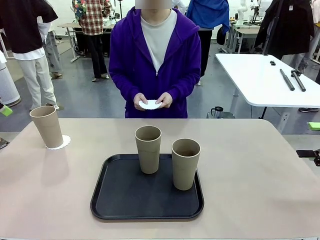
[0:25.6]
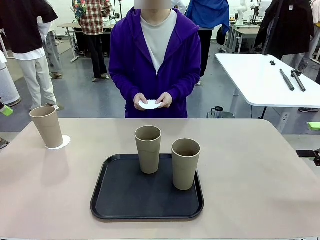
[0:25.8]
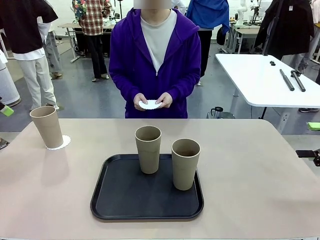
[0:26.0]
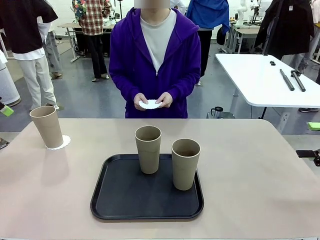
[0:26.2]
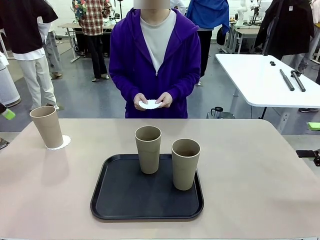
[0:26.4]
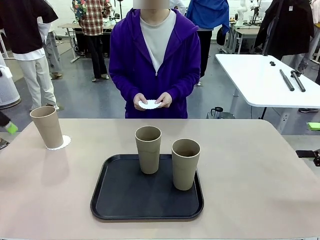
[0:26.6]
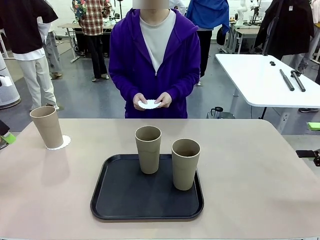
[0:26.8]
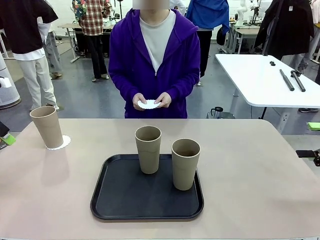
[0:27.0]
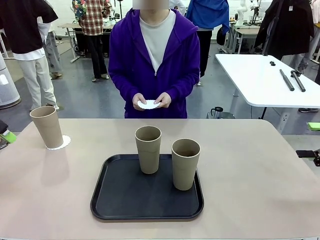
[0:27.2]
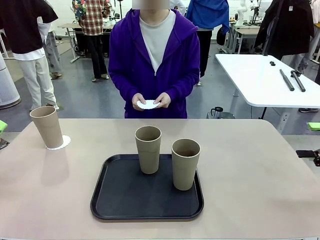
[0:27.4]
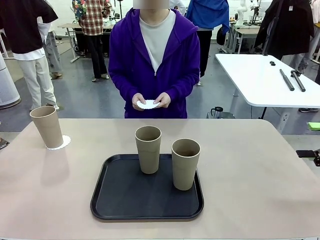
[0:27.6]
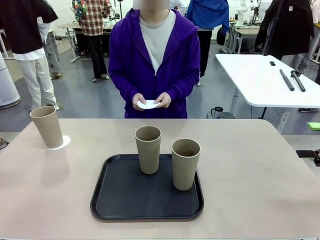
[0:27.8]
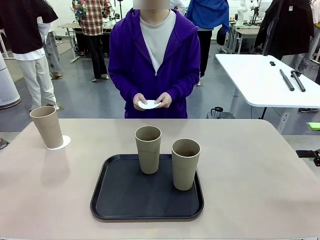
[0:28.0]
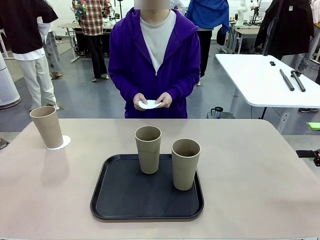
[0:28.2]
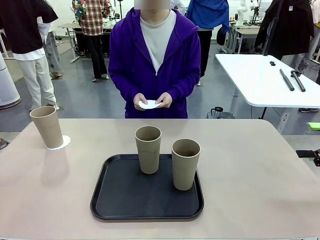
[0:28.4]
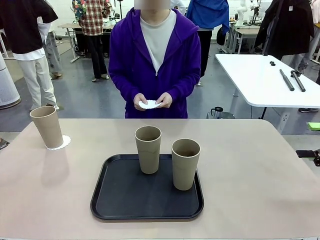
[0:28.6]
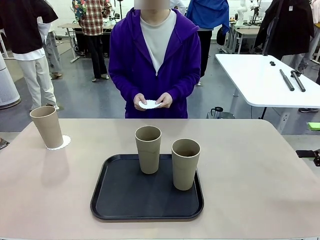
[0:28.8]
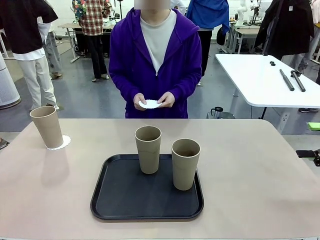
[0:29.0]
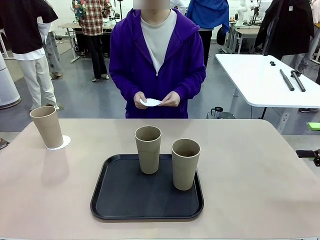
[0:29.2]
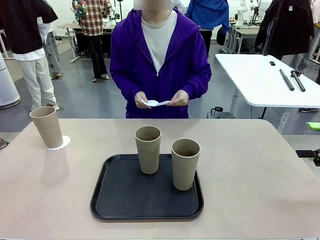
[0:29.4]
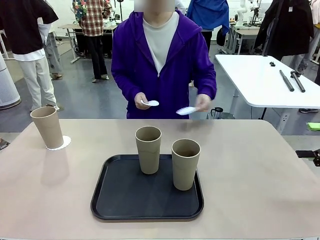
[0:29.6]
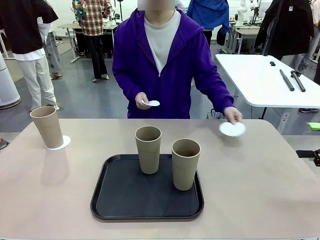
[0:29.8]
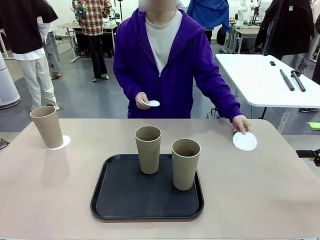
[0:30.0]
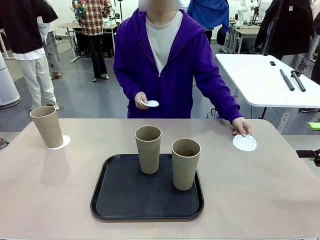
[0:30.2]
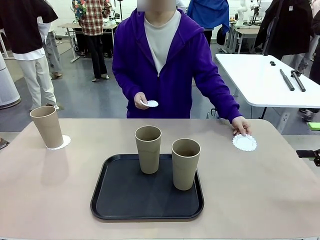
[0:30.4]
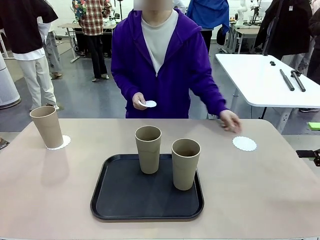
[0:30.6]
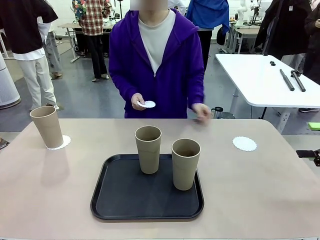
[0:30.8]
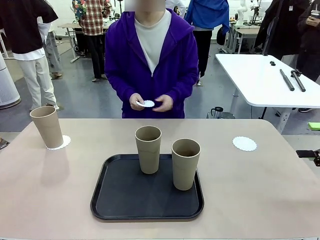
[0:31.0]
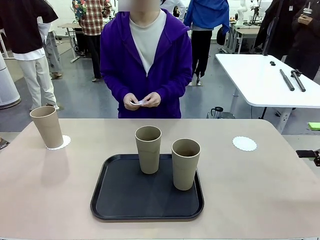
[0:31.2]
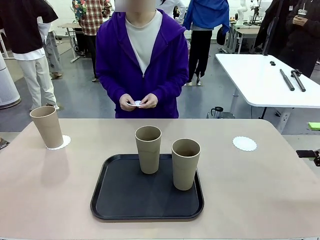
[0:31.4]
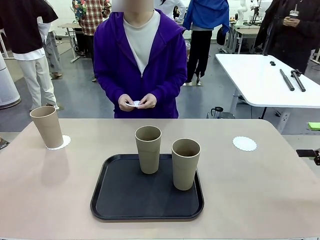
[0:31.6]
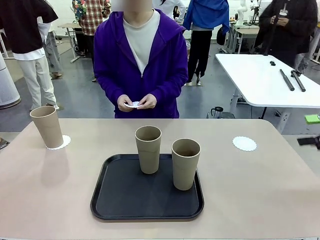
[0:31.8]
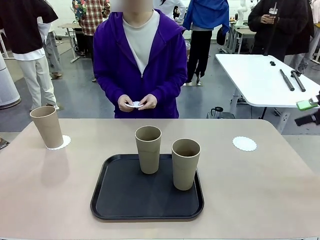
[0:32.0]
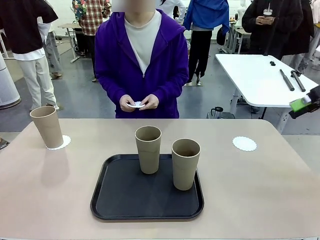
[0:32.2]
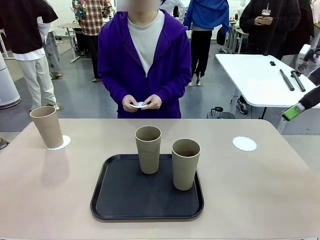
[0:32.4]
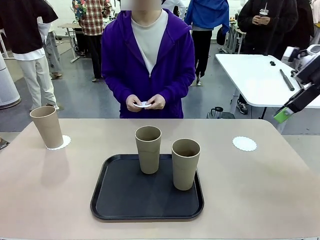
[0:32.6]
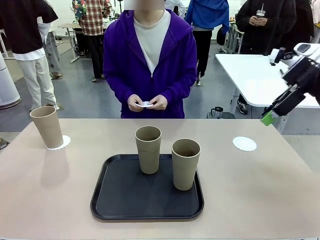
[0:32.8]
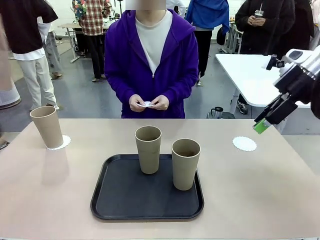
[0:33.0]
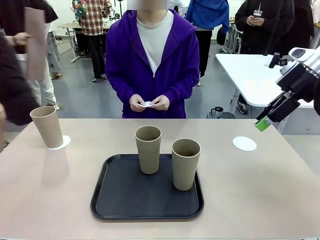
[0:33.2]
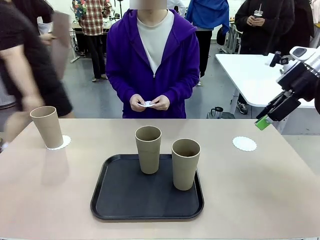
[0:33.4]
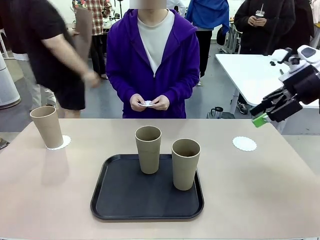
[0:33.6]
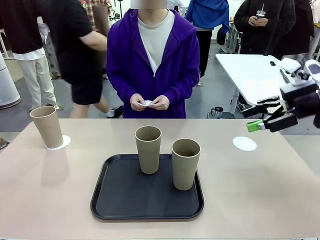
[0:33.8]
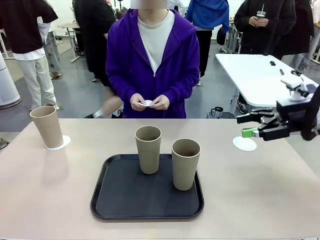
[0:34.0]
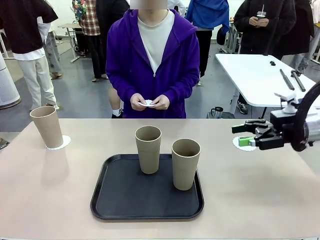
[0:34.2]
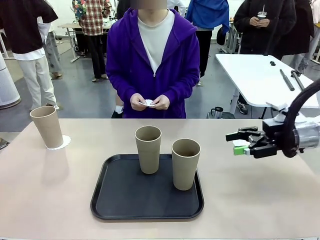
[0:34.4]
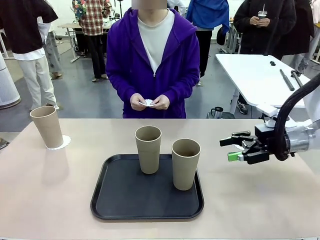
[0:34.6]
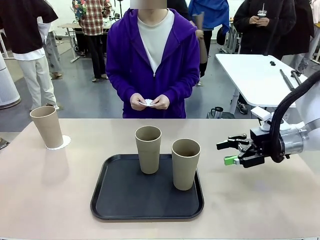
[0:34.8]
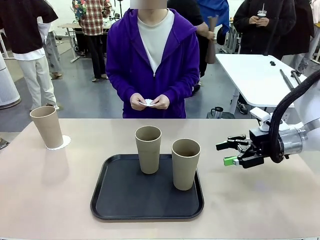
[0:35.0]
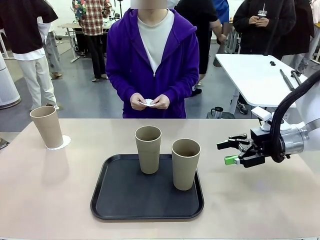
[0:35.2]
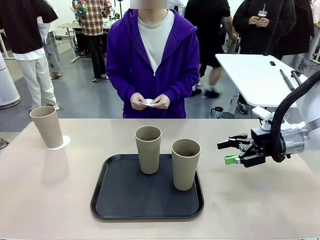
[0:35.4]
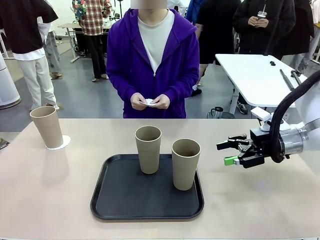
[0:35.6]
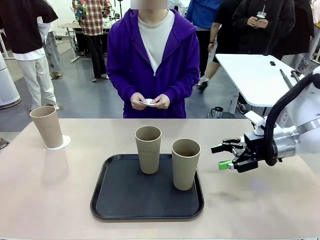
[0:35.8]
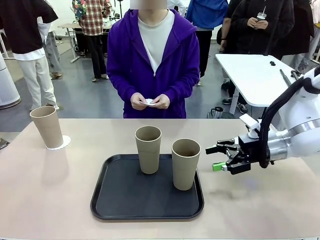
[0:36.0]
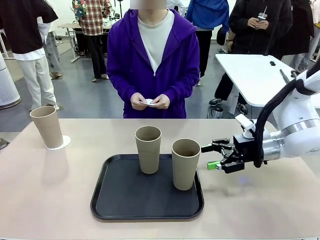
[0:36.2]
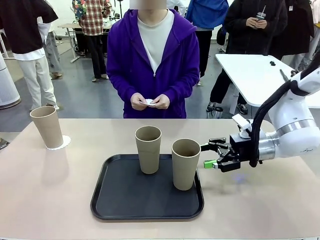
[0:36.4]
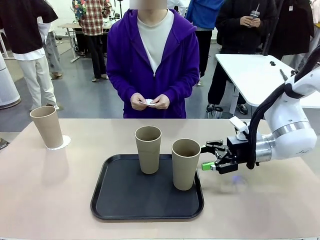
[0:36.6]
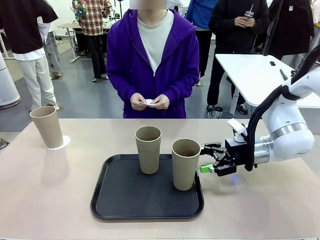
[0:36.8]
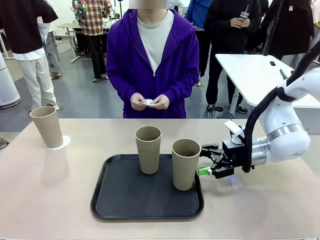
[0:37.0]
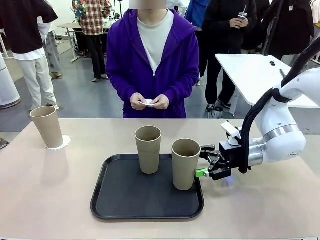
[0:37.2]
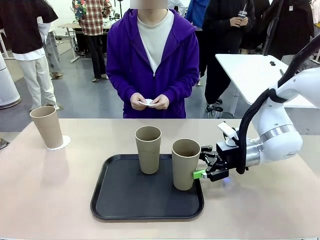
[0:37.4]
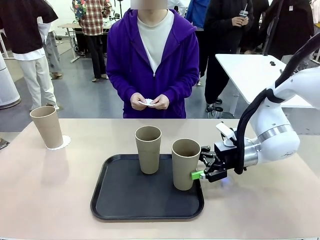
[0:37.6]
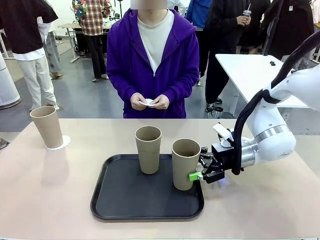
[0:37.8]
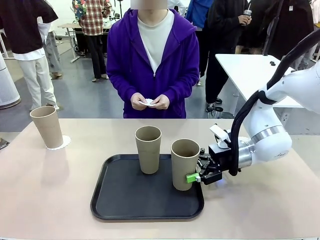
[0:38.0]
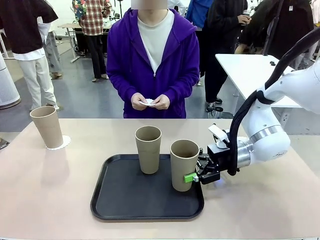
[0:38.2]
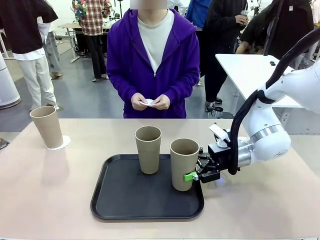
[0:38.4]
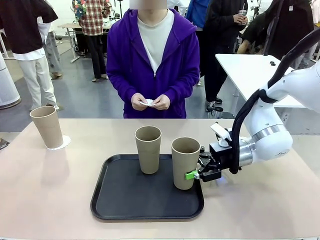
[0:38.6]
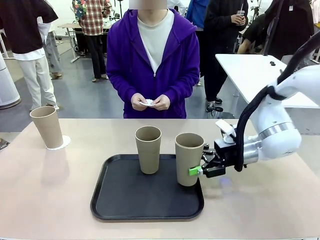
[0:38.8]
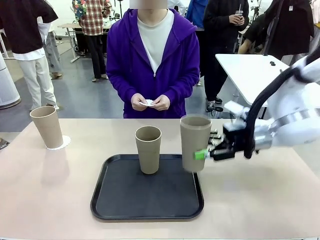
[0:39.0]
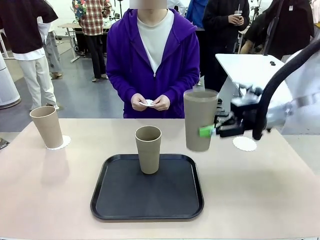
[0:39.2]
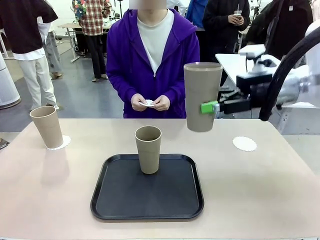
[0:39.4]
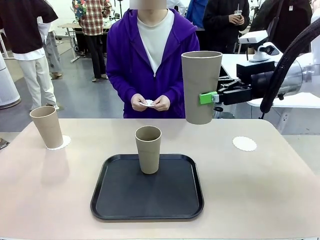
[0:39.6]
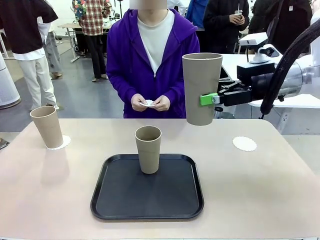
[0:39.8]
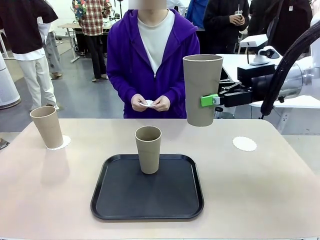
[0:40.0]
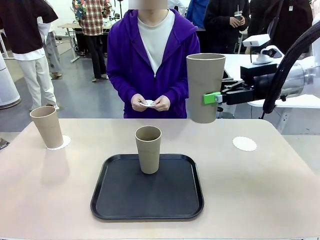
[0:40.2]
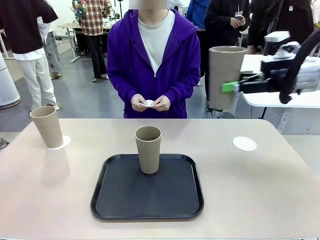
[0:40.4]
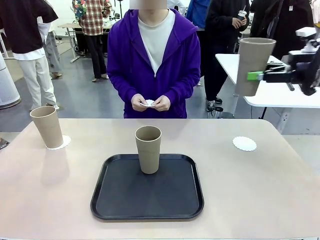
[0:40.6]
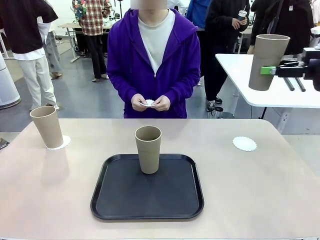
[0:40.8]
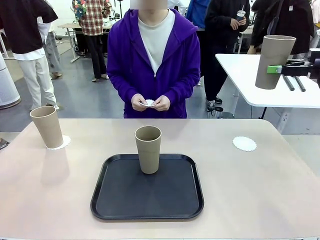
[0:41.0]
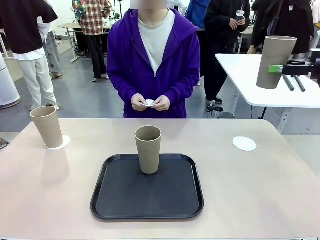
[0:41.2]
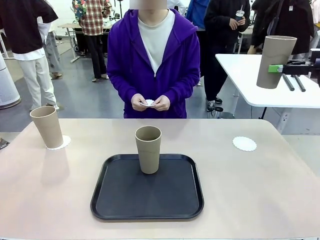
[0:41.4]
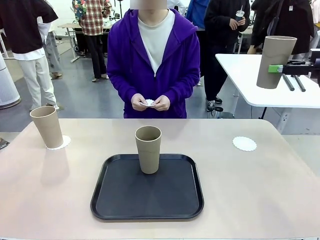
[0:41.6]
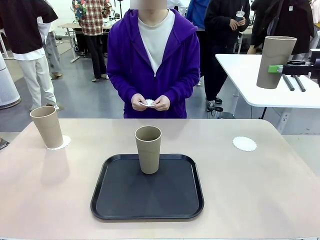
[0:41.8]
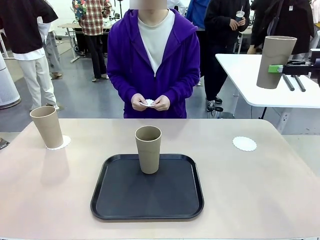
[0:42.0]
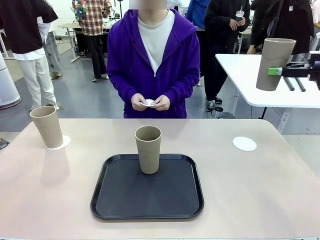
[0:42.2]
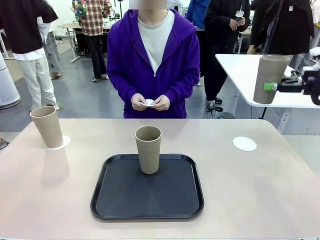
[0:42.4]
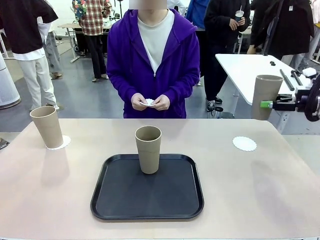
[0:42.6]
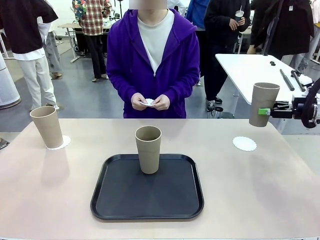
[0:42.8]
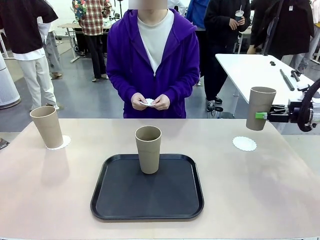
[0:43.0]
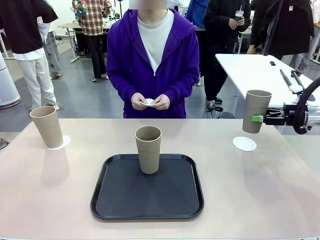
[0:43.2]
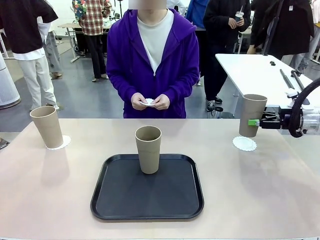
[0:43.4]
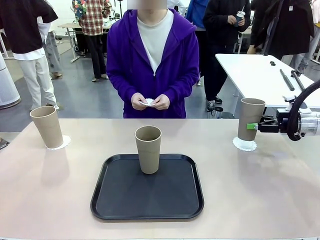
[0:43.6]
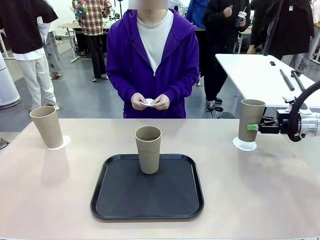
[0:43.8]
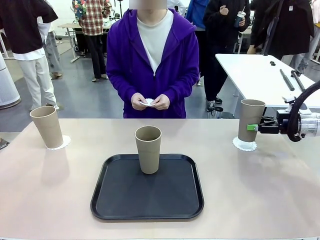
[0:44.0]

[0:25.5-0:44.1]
Task: Place coasters on the table and set cups on them.
Robot: Take one Reusable plastic cup from the Flat Tray and place it on a coaster set by the human.
